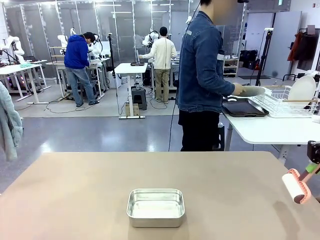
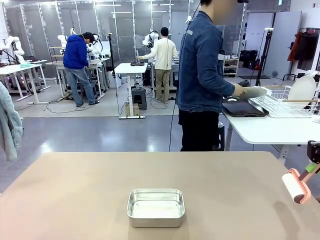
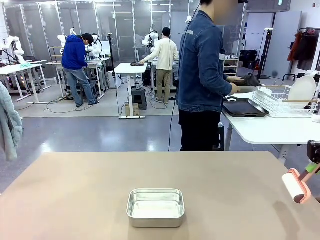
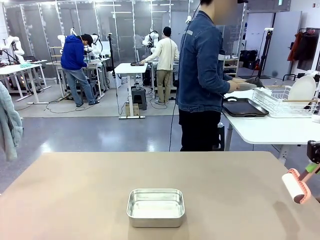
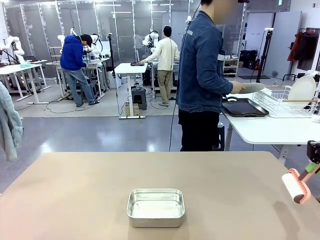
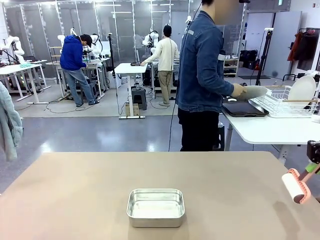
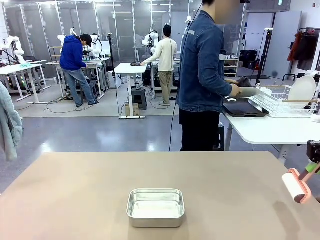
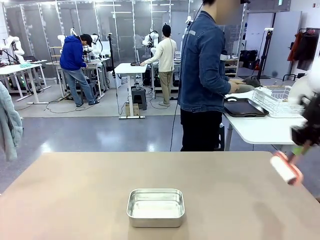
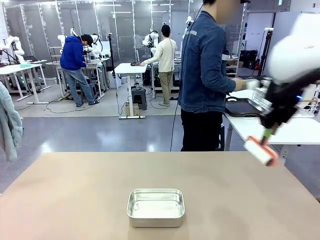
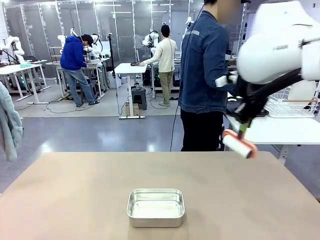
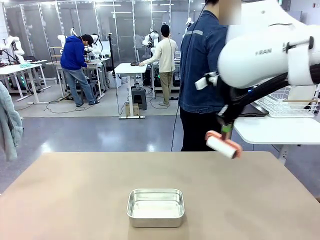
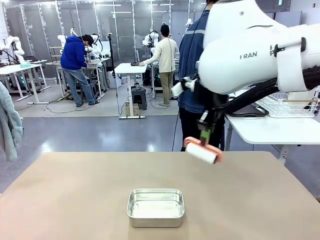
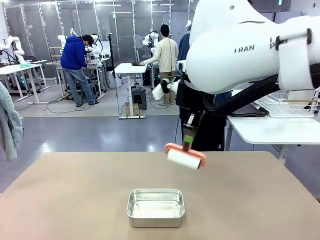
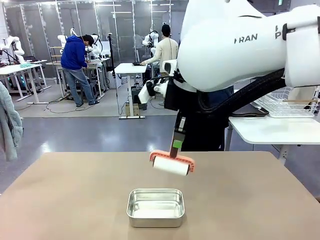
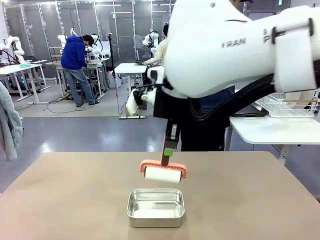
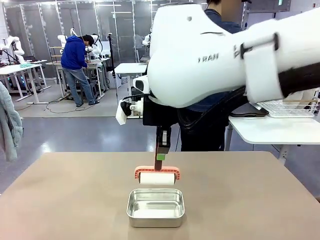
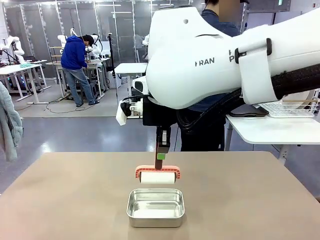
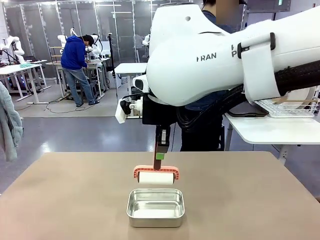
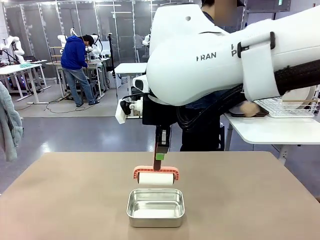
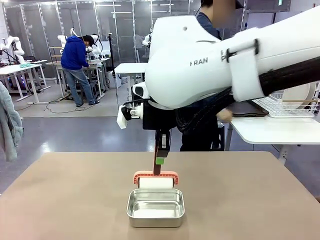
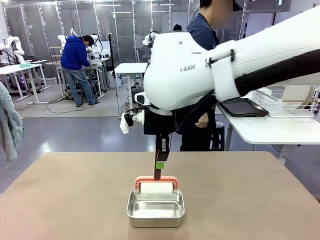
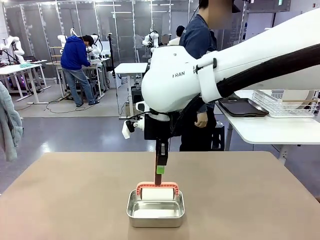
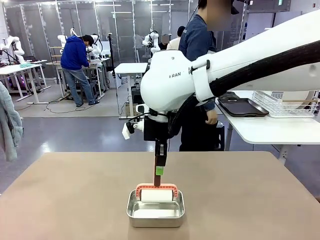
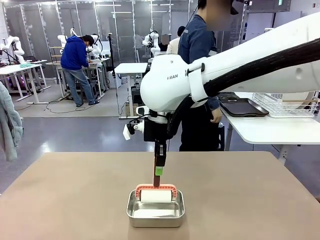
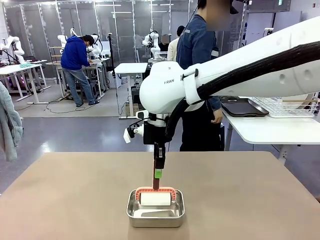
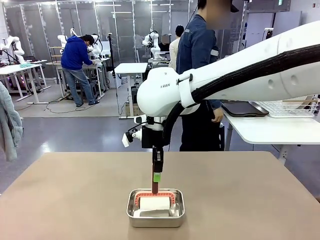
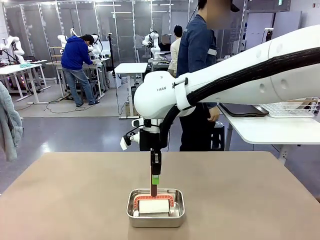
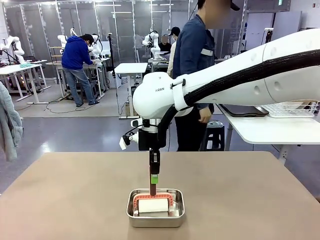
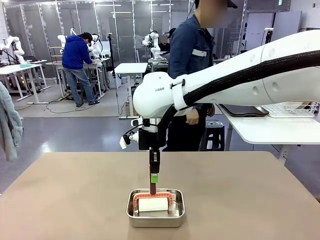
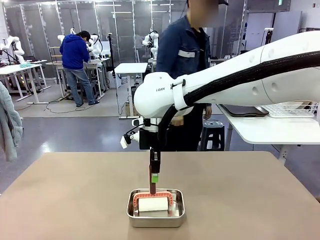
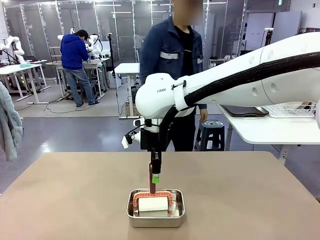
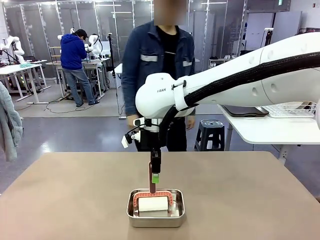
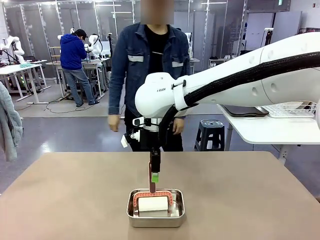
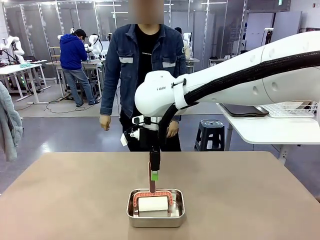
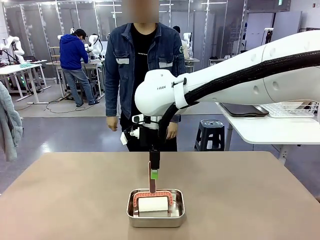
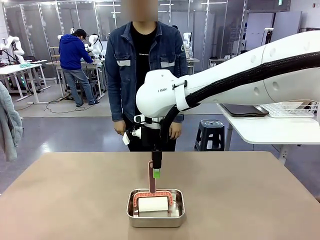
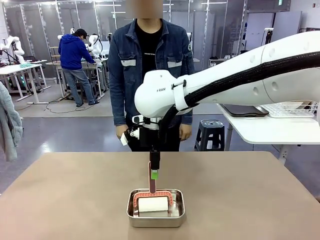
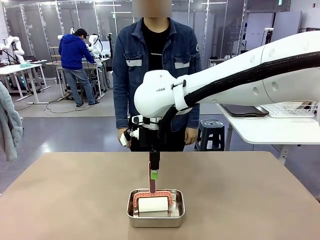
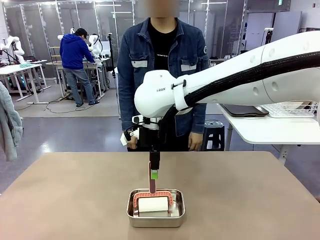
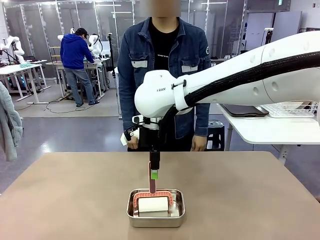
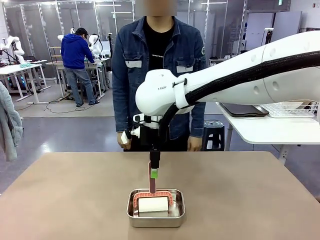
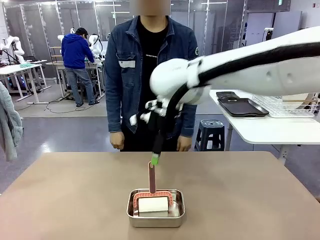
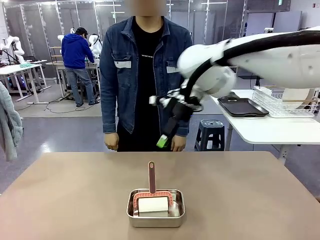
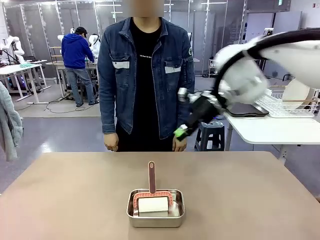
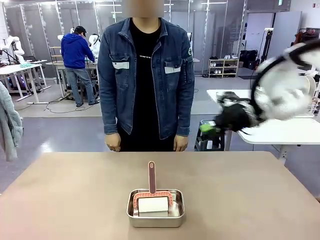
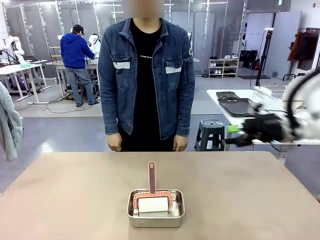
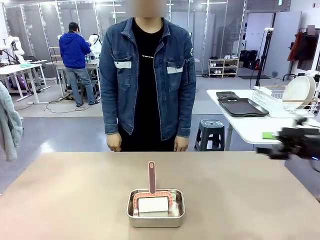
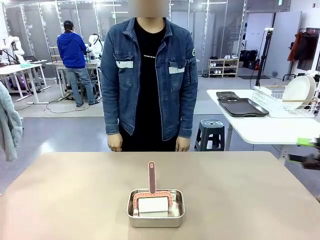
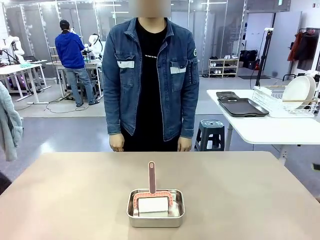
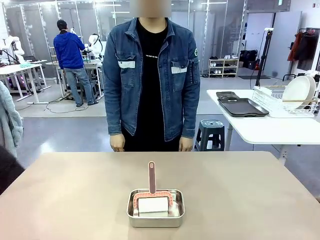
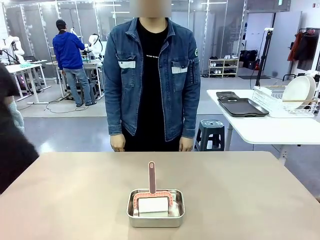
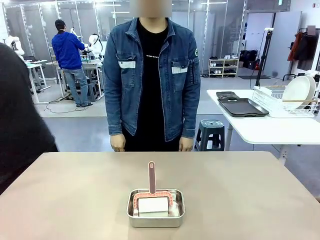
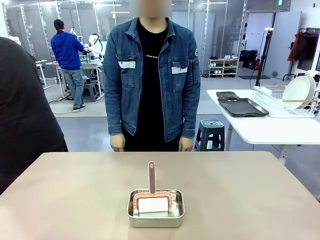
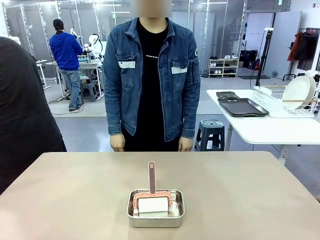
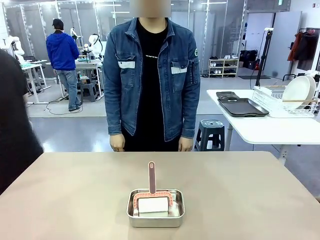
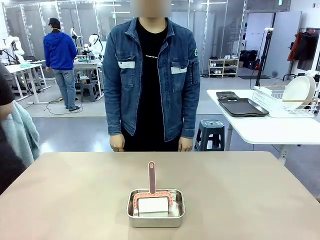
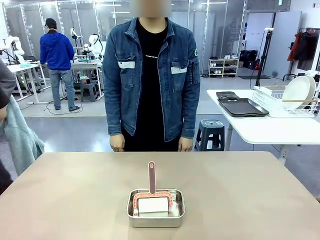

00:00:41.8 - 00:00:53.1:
Robot: Place the Lint Roller back on top of the Airtight Container.

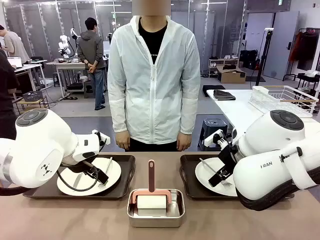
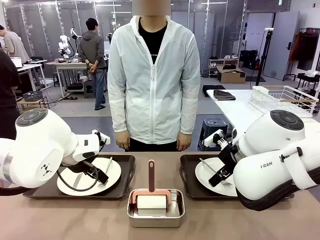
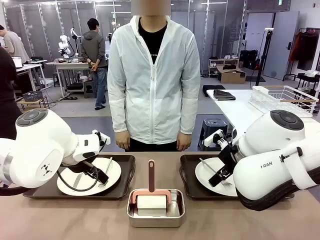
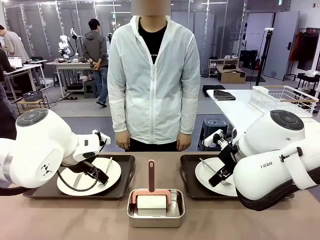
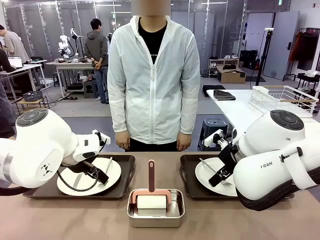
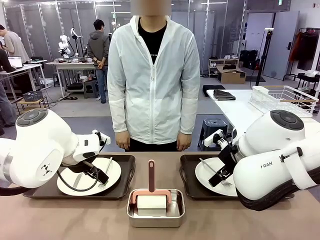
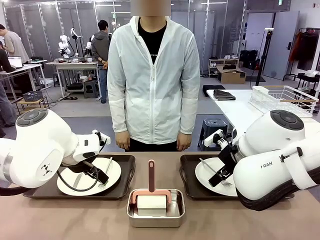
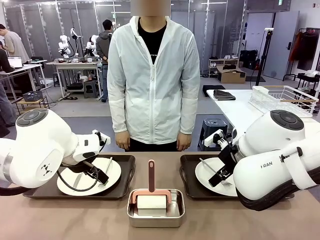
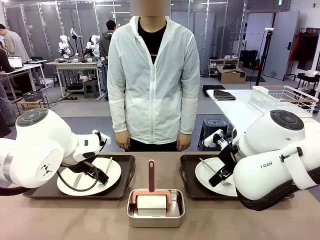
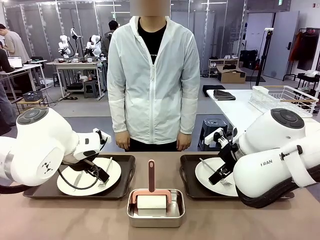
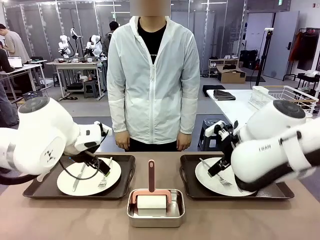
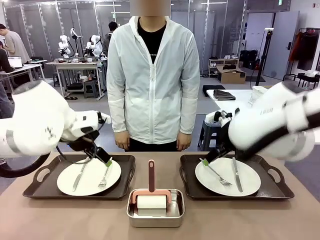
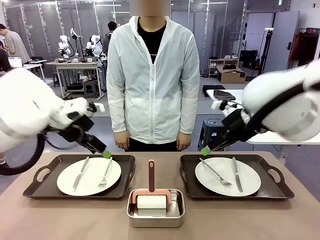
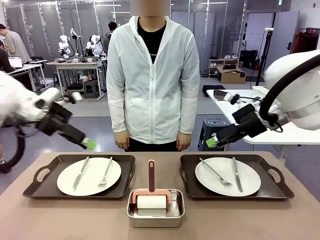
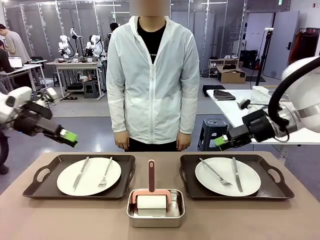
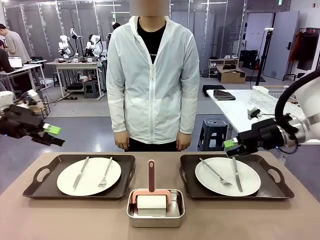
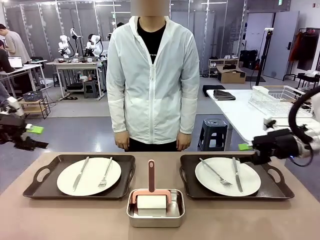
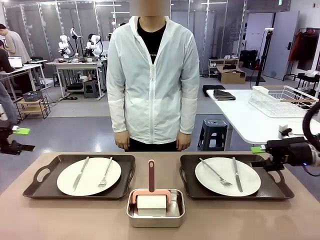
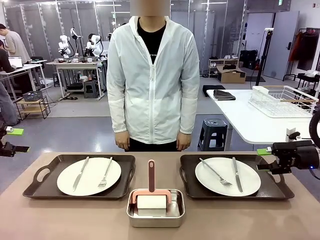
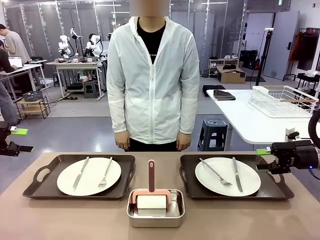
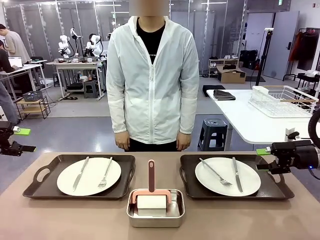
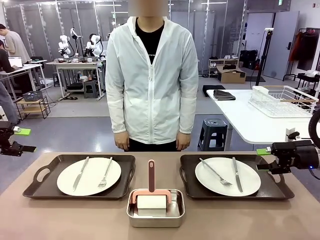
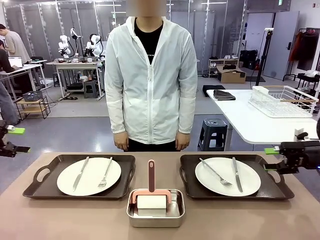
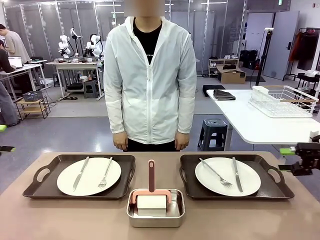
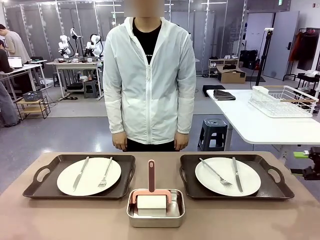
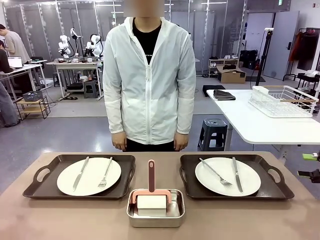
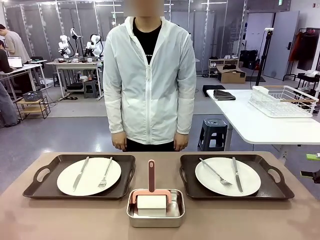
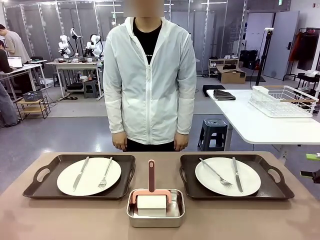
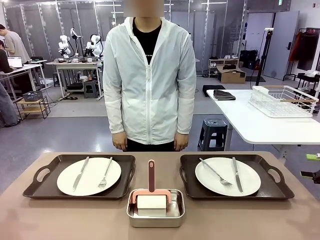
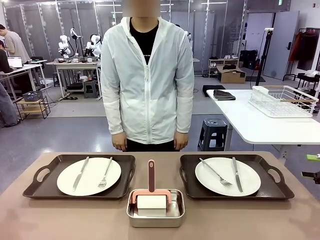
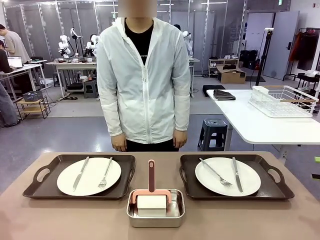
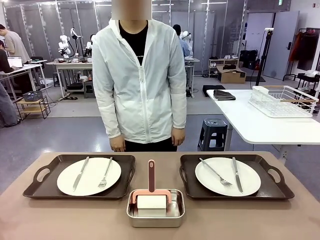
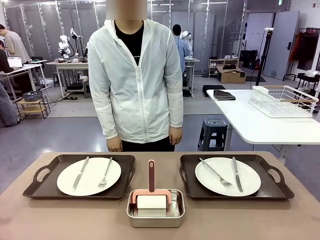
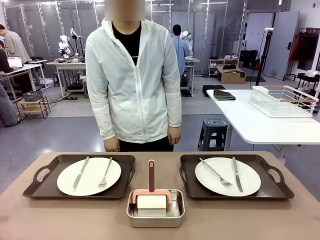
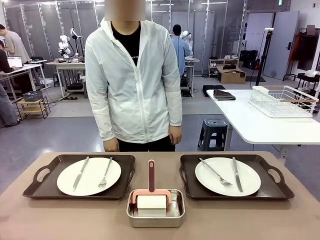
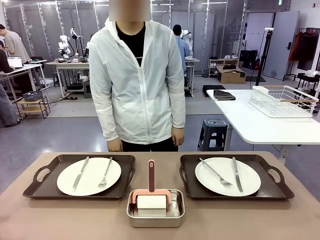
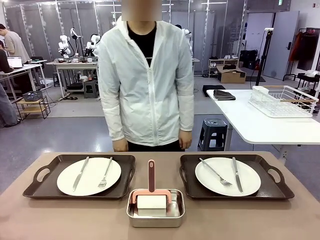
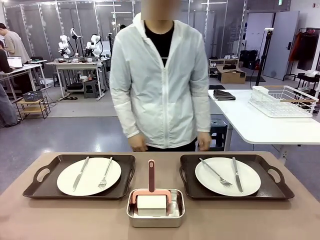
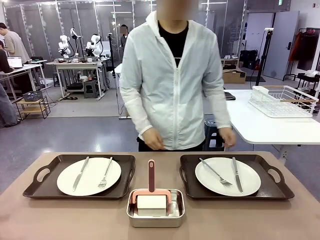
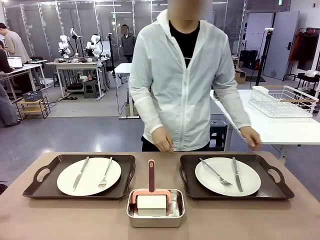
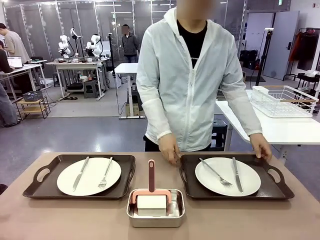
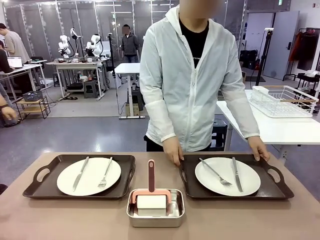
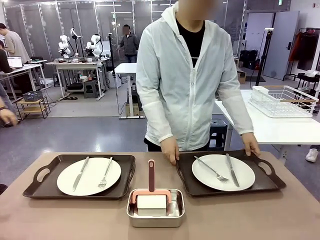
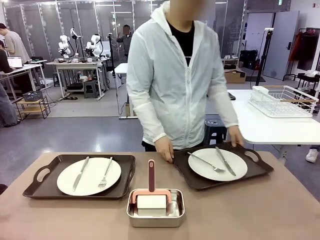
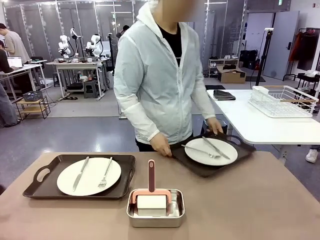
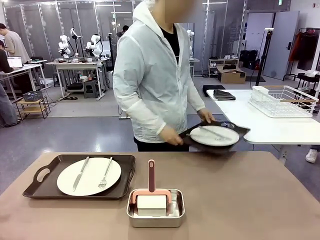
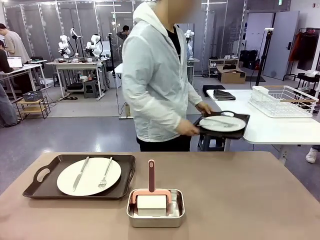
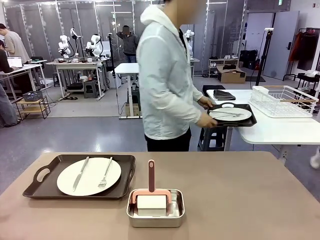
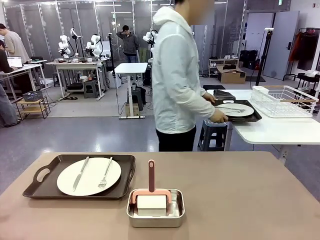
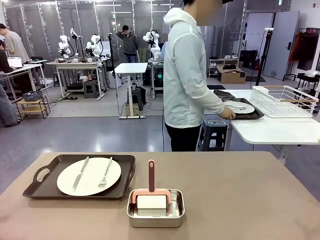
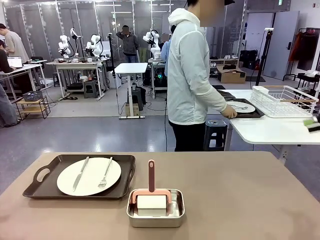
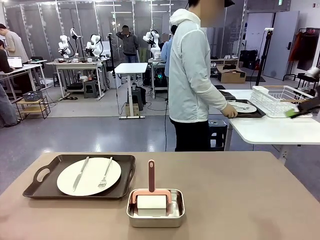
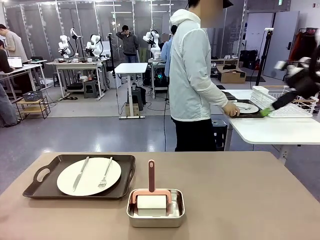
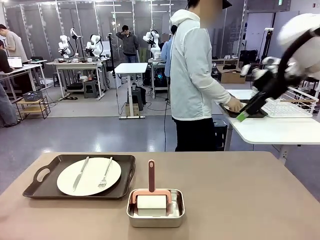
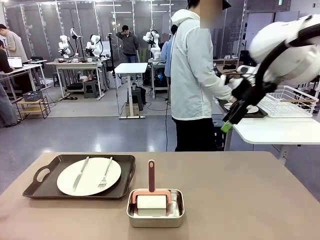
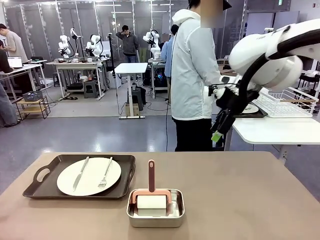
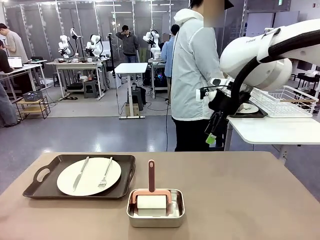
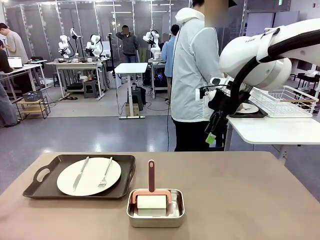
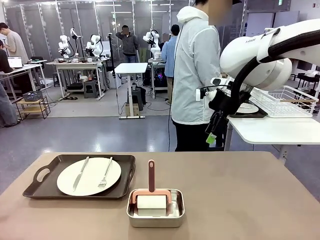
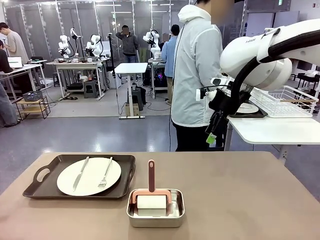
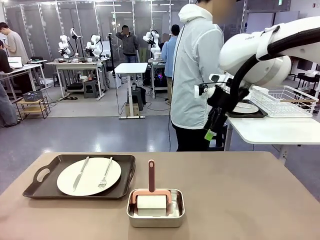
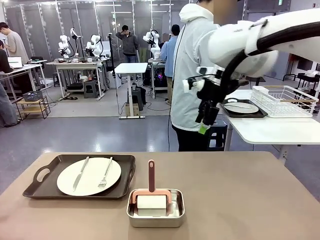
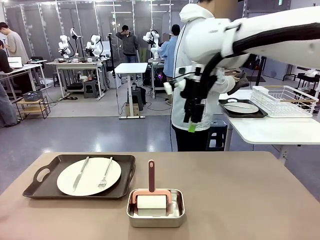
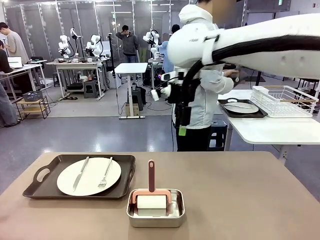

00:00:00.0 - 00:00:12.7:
Robot: When the left (or right) Handle tray is removed, use the left hand (or right hand) to clean the left (or right) side of the table with the Lint Roller.
Person: Pick up the left (or right) Handle tray and place it on the middle of the Human's table.
